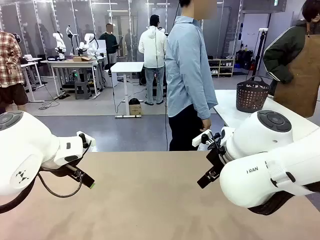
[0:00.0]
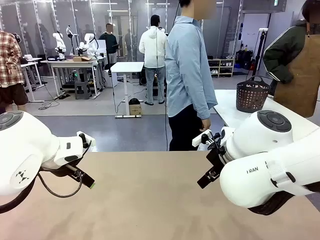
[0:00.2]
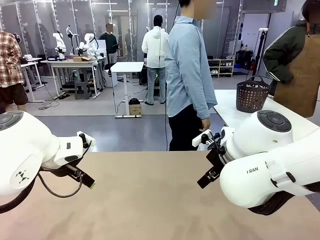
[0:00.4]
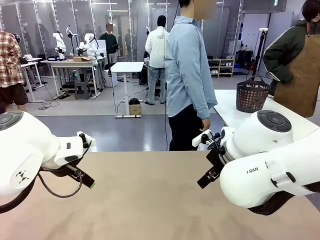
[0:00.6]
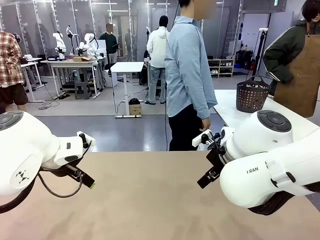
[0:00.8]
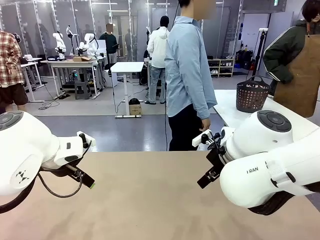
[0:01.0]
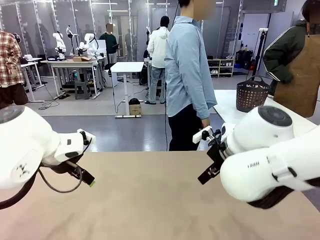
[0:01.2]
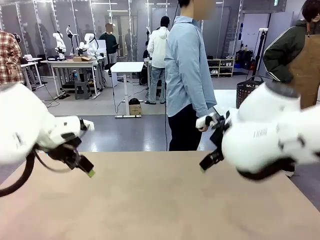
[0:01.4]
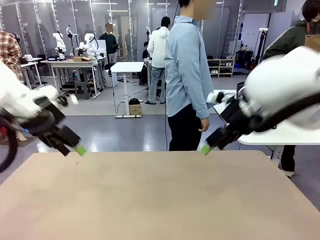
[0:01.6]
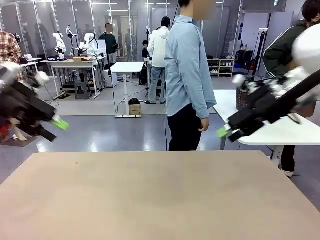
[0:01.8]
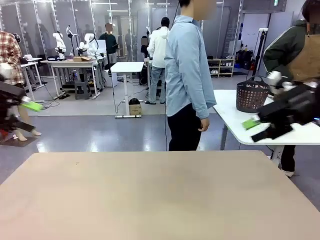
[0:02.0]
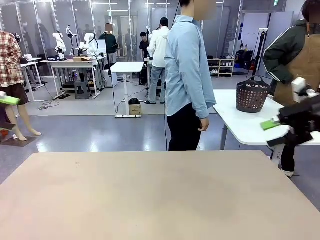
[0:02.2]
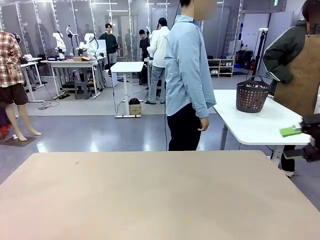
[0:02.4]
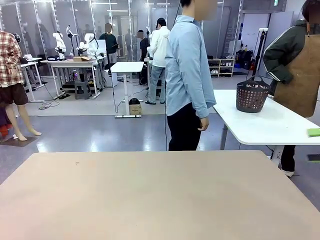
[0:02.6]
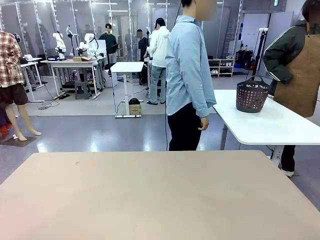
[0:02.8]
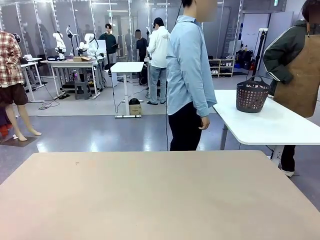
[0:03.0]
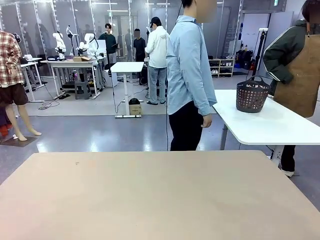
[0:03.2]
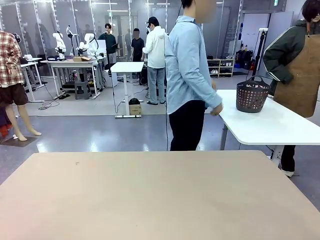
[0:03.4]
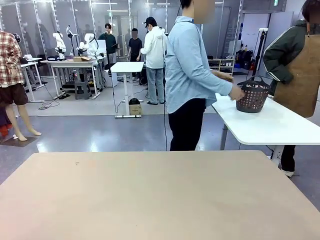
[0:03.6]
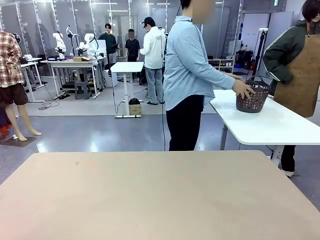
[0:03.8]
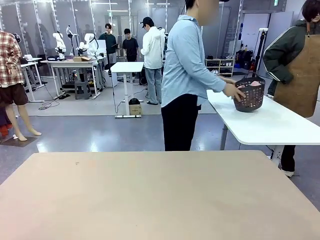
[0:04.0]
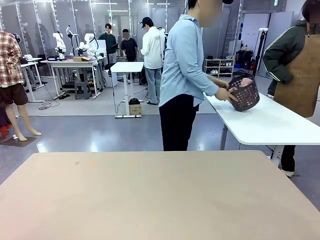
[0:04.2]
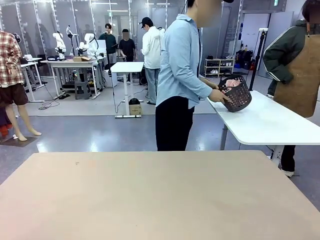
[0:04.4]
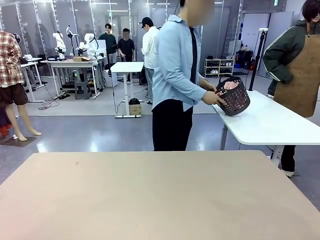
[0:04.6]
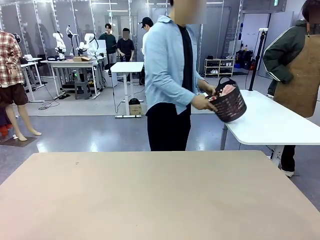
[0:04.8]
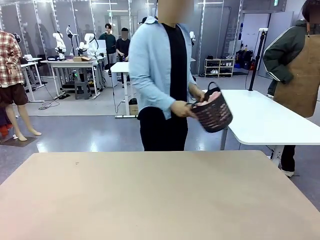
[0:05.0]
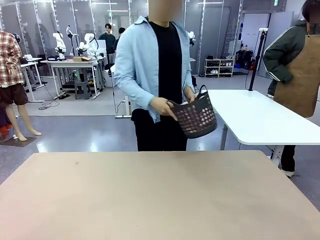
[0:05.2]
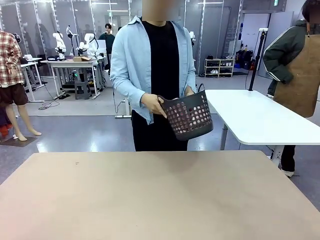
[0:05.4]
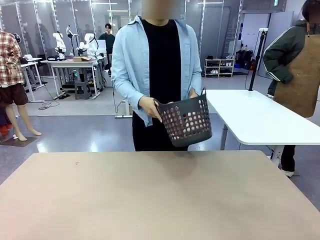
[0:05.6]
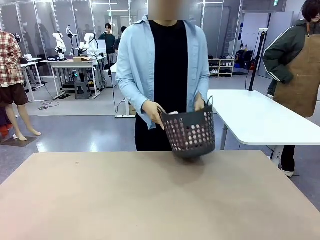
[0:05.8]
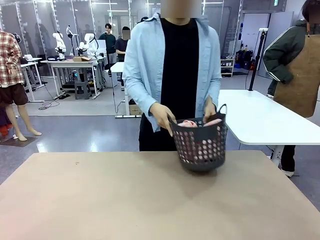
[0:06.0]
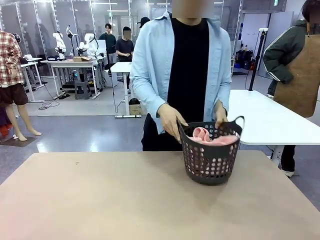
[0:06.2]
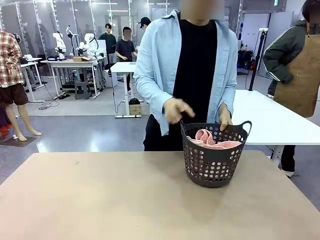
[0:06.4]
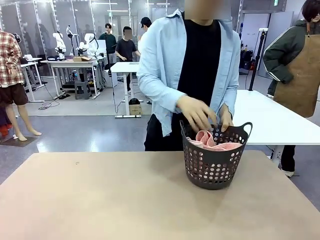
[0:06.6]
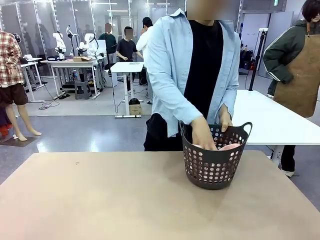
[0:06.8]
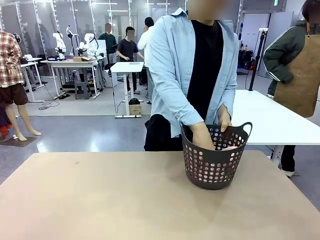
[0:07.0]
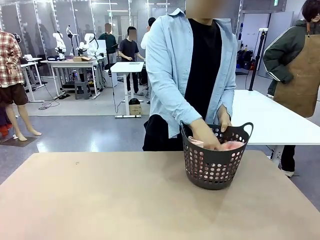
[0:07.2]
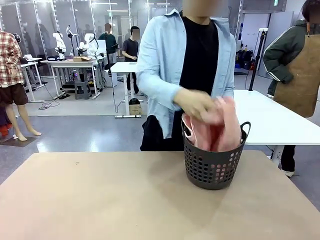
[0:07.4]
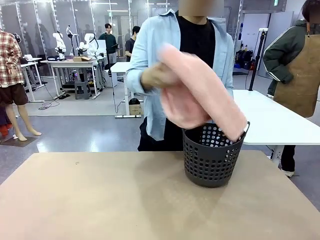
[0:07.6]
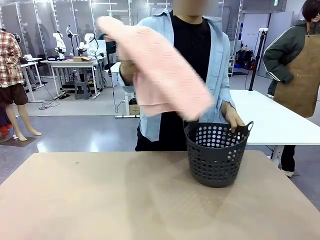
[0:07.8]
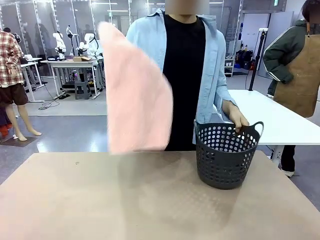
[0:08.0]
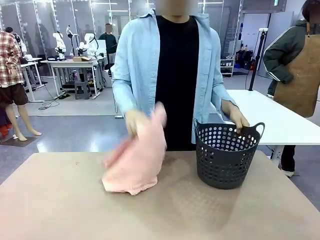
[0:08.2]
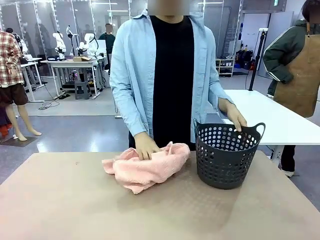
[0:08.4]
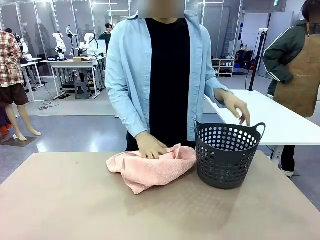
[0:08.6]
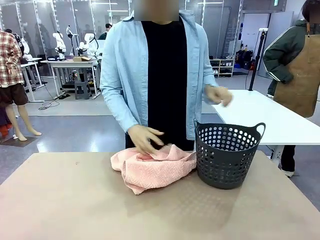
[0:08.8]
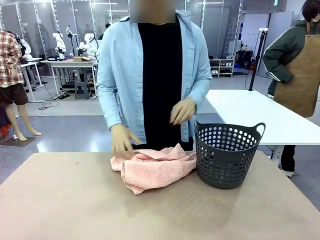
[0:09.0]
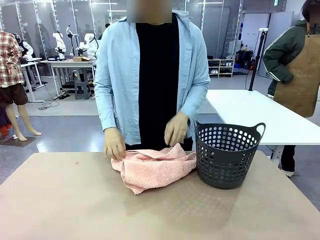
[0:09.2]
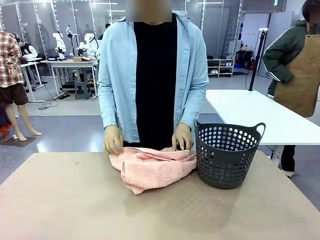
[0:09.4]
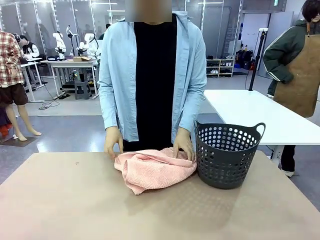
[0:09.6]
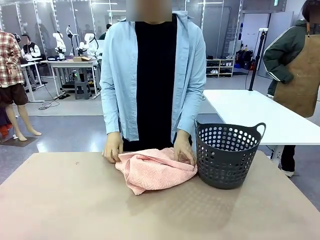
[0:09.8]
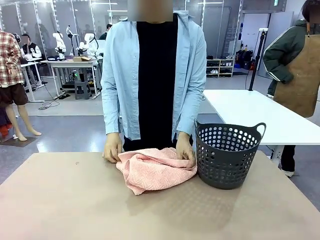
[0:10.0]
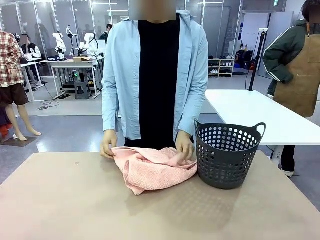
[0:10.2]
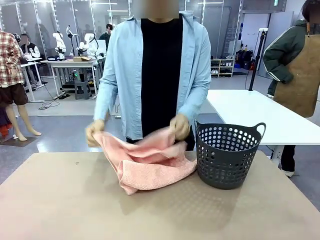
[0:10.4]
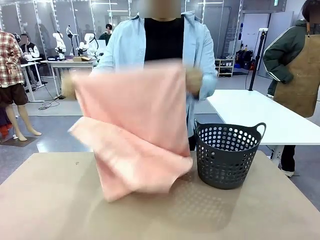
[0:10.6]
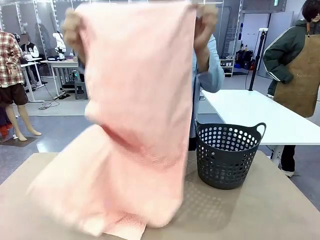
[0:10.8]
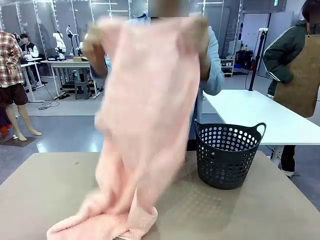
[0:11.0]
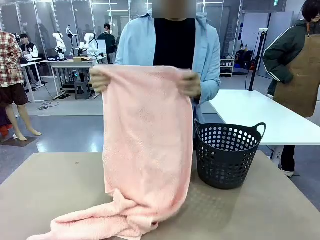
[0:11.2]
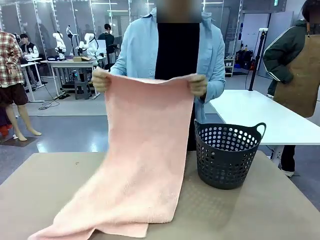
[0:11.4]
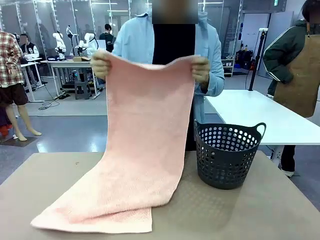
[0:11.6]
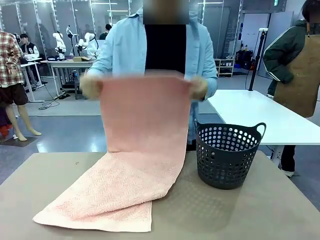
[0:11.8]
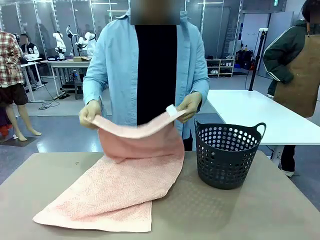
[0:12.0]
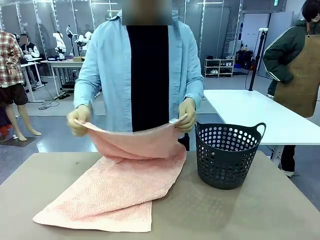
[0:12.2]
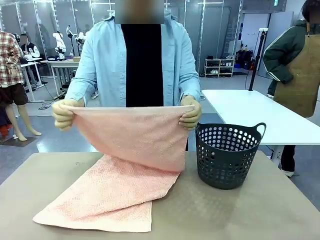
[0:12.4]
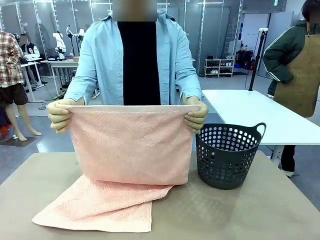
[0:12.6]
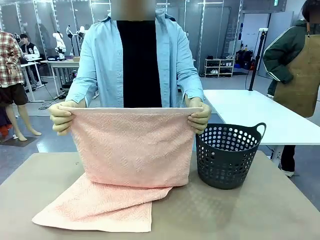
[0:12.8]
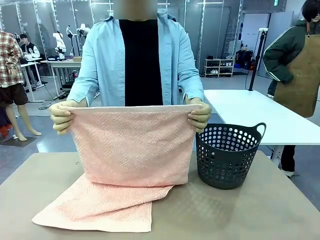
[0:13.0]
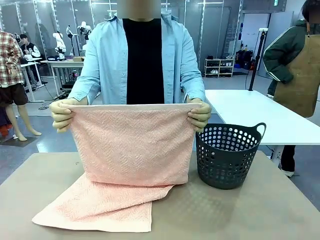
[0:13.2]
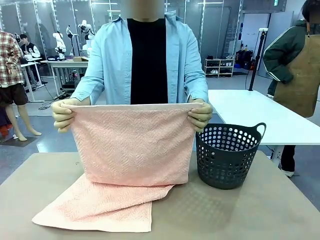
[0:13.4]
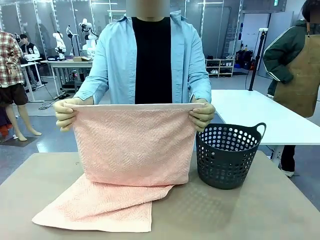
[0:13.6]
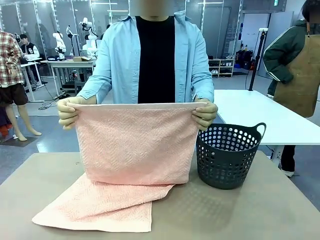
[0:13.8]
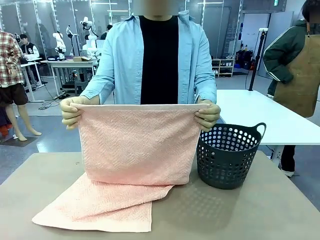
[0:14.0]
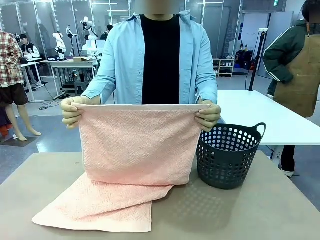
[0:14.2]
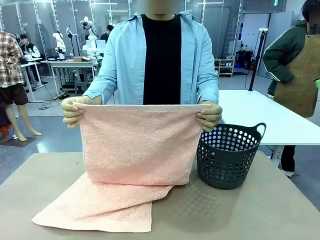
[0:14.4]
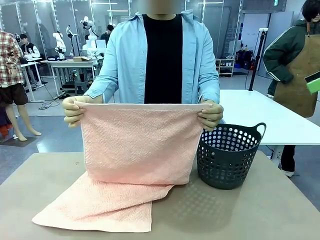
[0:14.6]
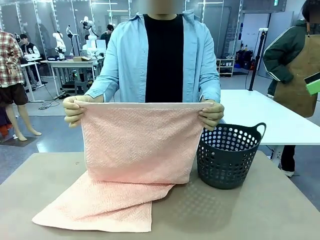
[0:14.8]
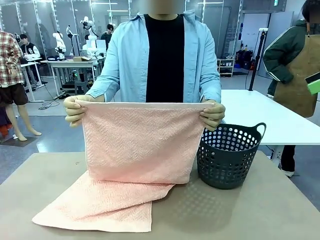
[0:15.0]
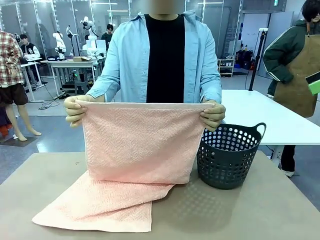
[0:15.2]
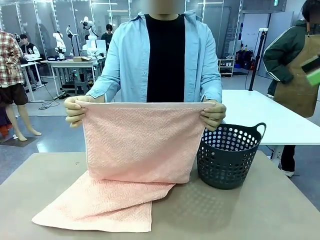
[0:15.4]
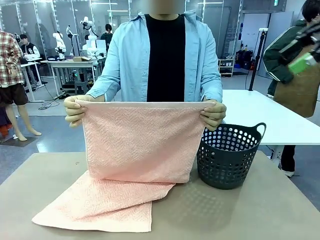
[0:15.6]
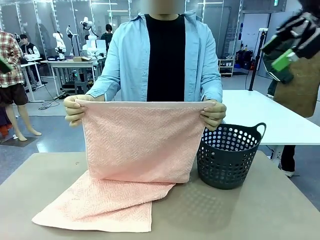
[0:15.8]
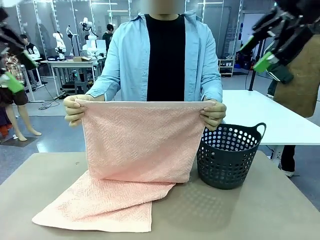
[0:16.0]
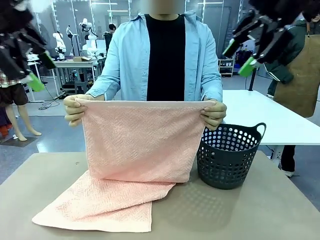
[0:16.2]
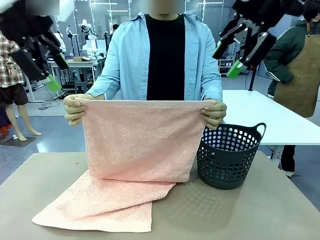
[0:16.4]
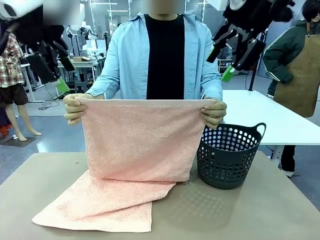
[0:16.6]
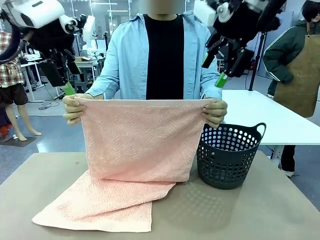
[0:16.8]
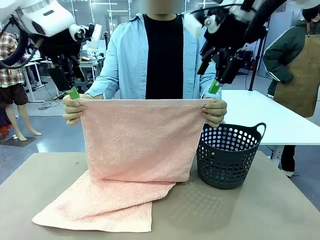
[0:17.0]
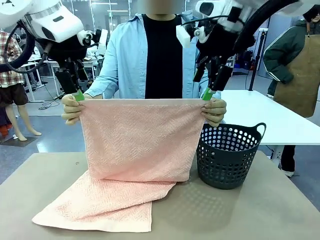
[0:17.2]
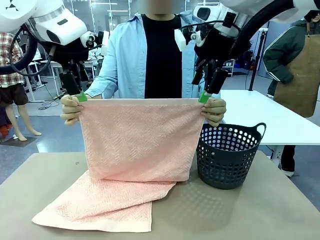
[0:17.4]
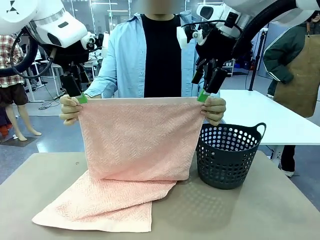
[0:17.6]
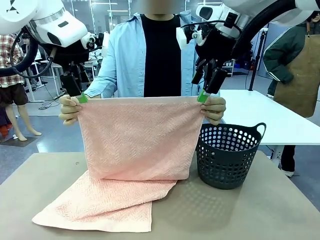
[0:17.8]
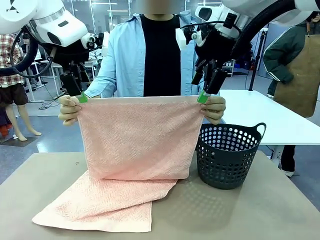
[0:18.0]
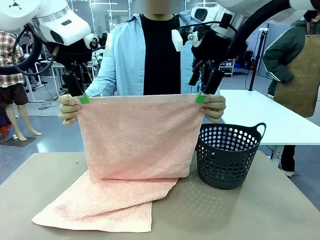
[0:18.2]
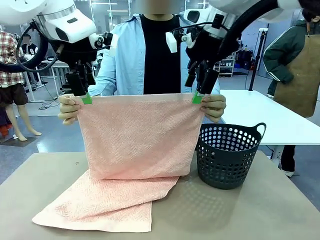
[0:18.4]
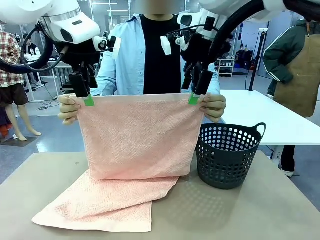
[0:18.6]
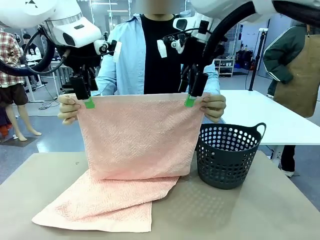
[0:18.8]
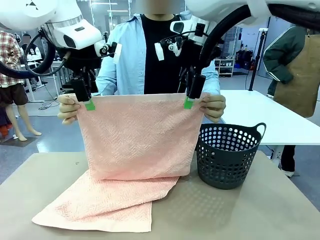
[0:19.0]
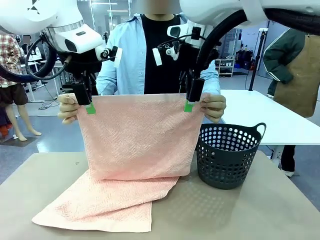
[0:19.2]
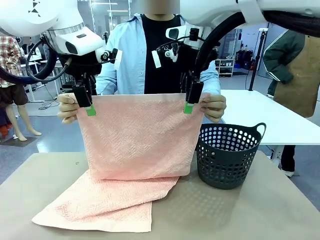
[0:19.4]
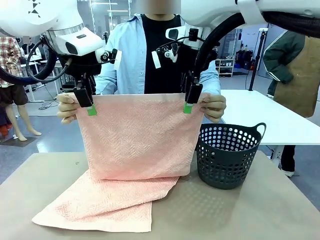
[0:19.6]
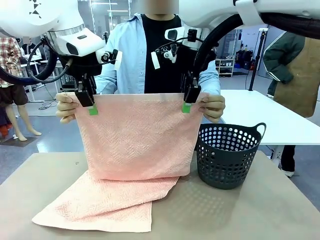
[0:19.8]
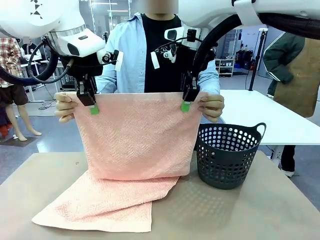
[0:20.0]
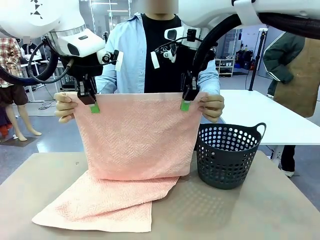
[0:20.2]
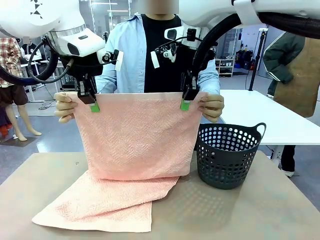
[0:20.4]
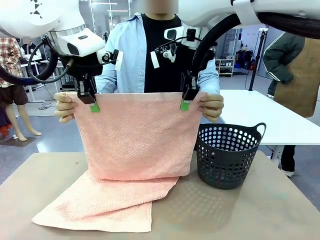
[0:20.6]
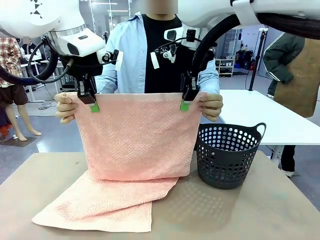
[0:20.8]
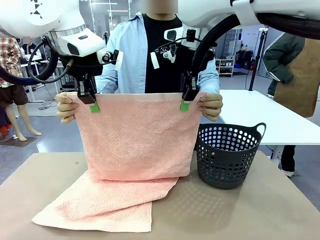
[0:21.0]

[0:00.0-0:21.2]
Task: Fold the towel.
Robot: Grab the top end of the 100 cm Hotel Towel extended by the human.
Person: Pick up the laundry basket, place it on the left side of the robot table, then take out a towel and hand it to the robot while holding both corners of one end.
